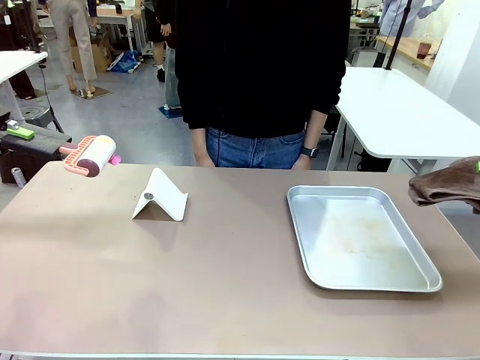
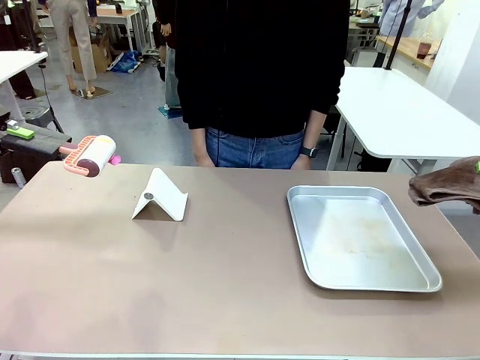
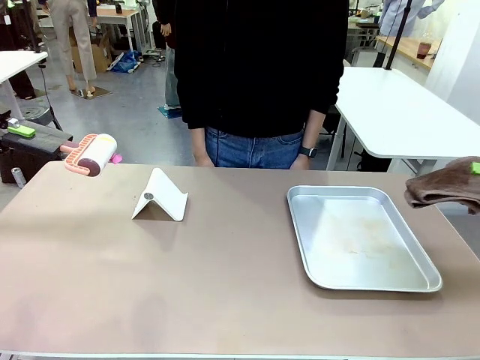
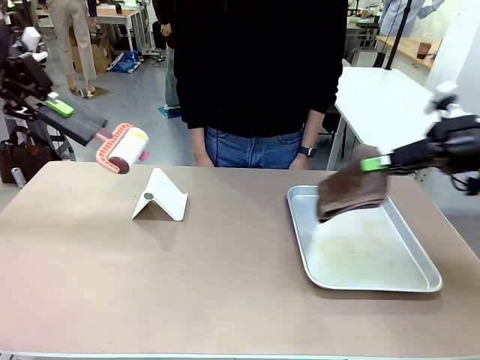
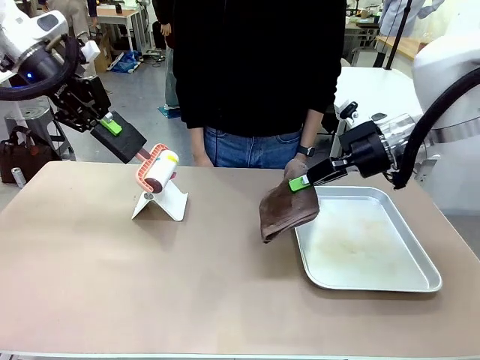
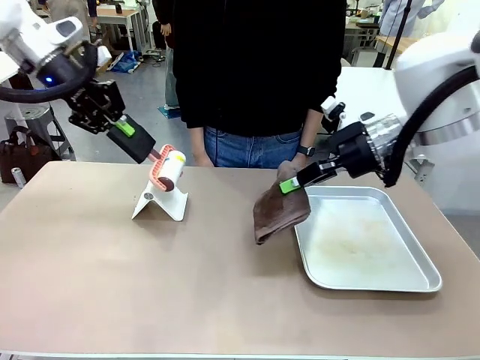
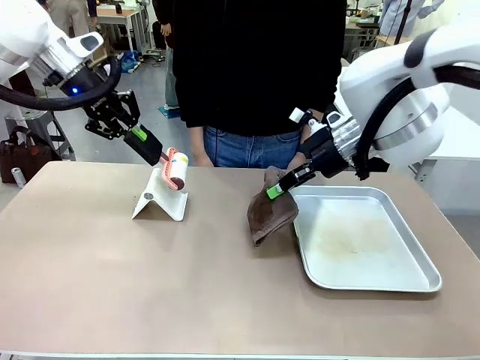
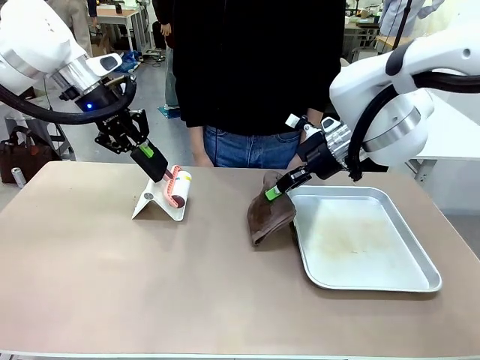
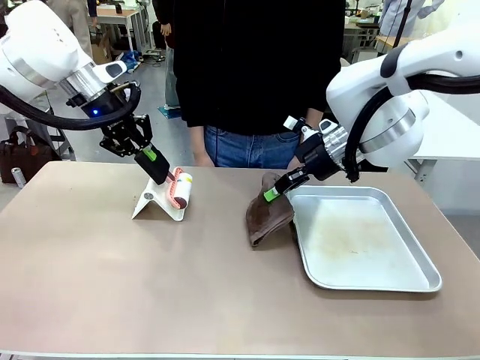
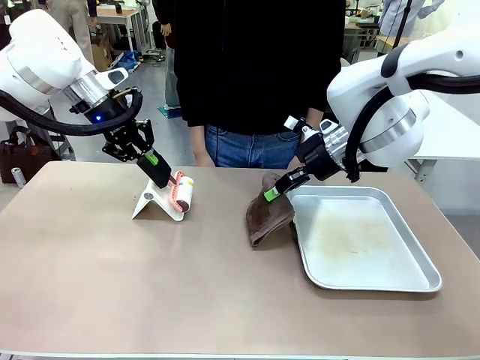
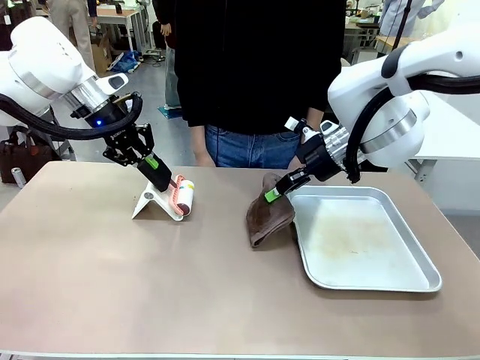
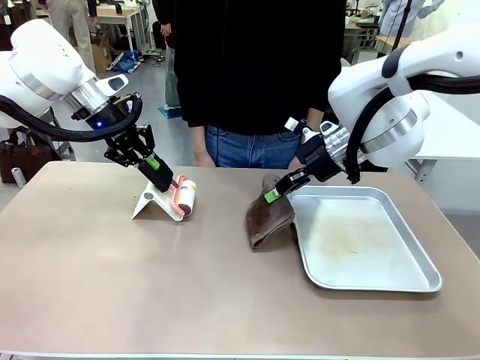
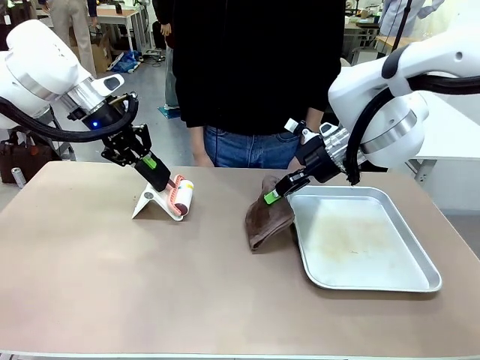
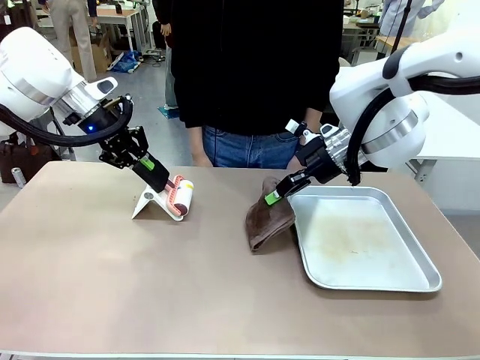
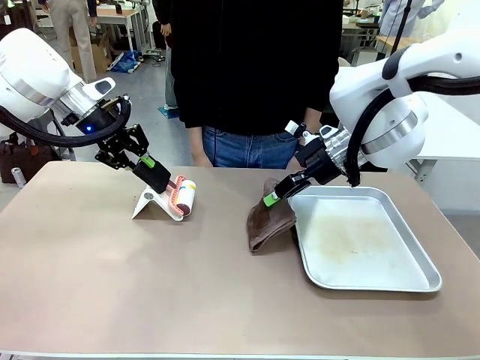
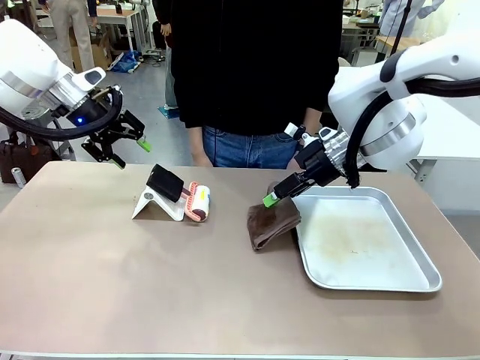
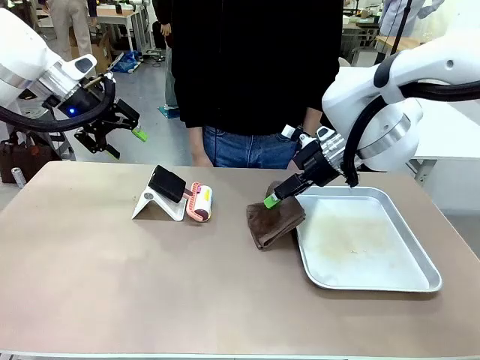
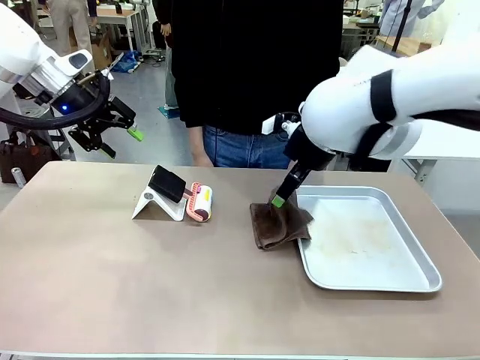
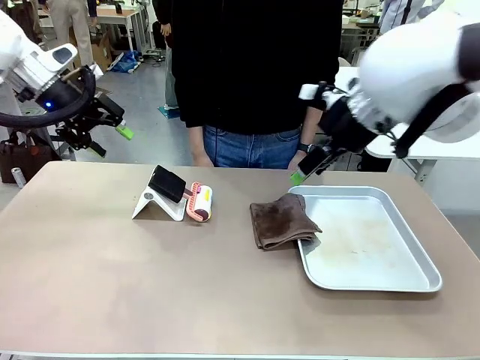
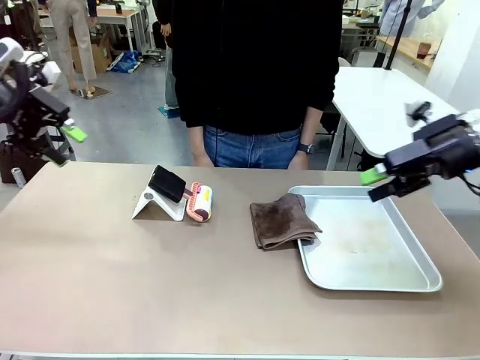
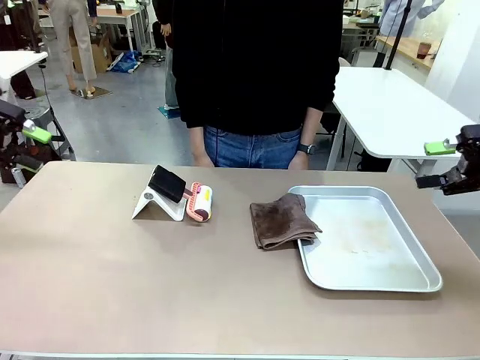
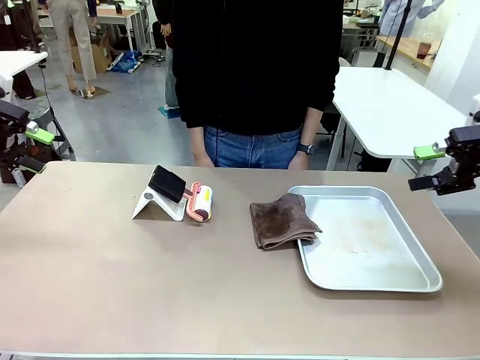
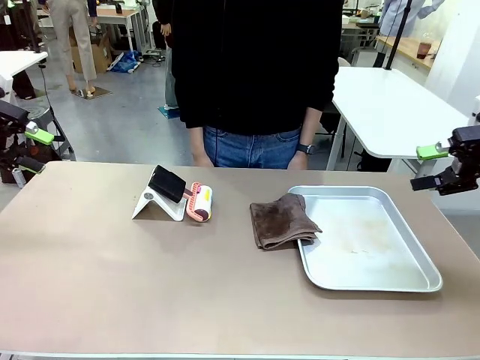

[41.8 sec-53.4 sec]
Task: Clean the surface of the table.
Robot: Return the Lint Roller and towel to their original positions.

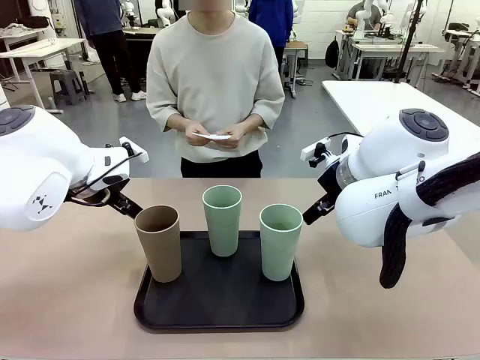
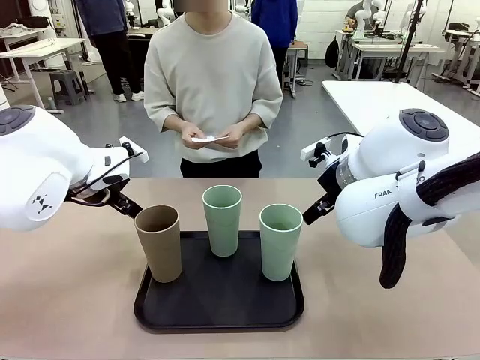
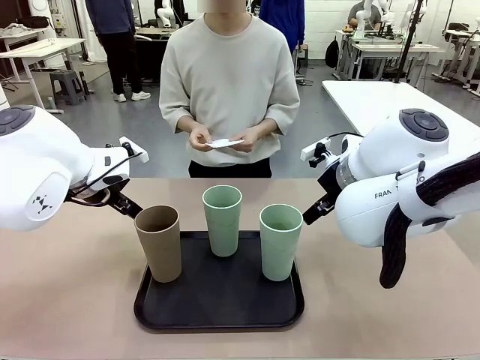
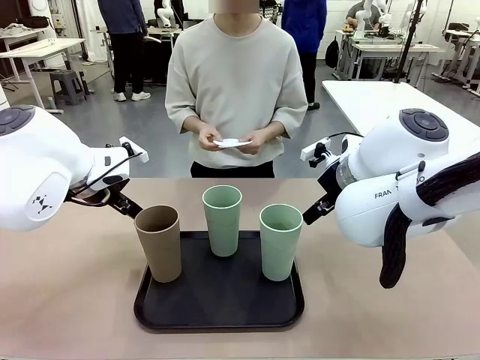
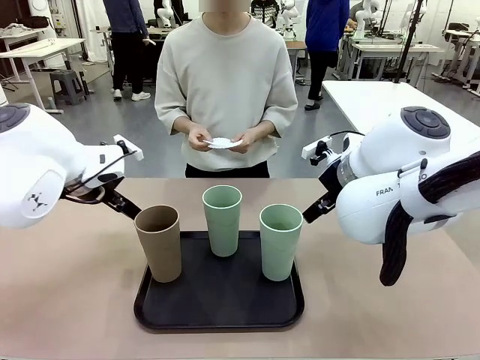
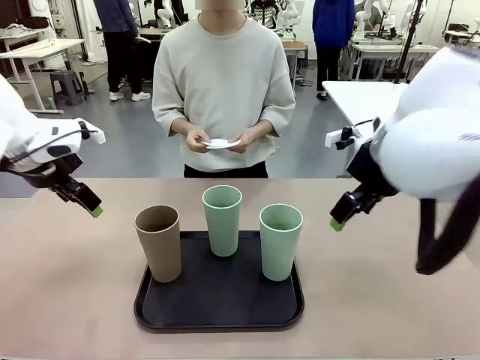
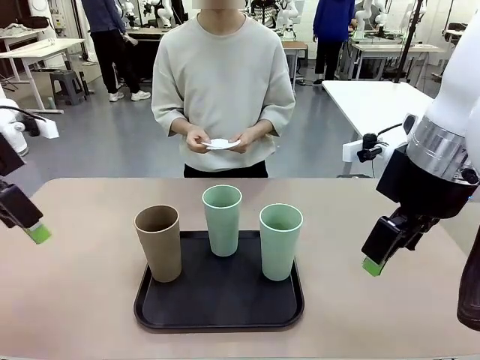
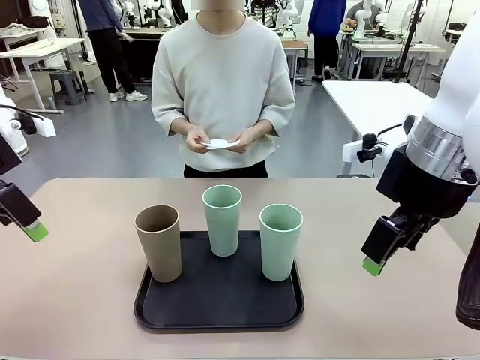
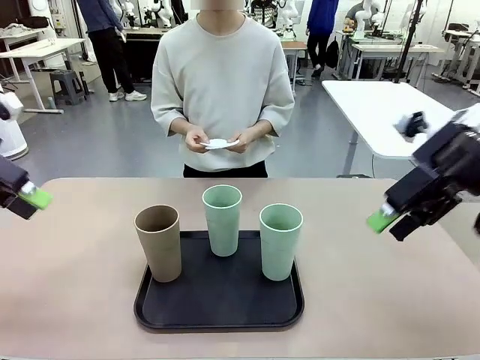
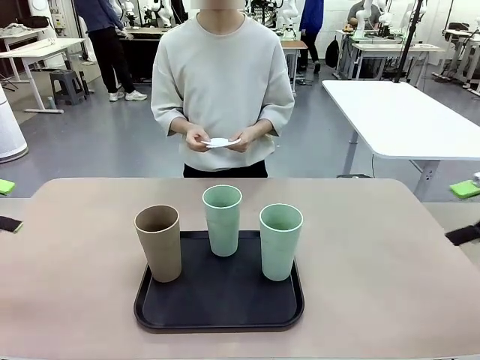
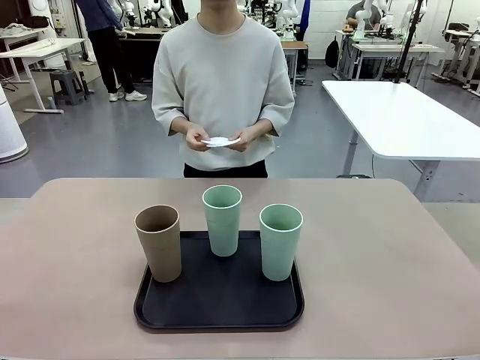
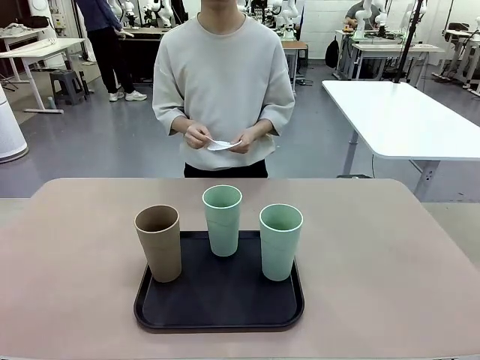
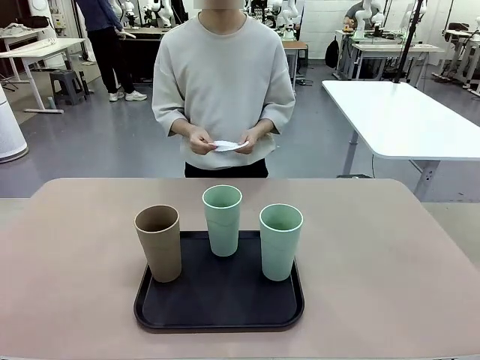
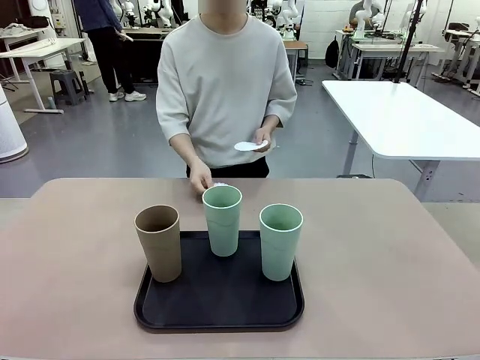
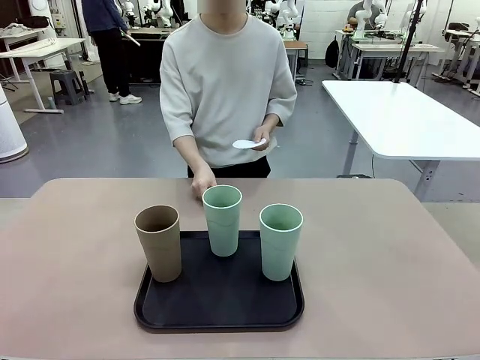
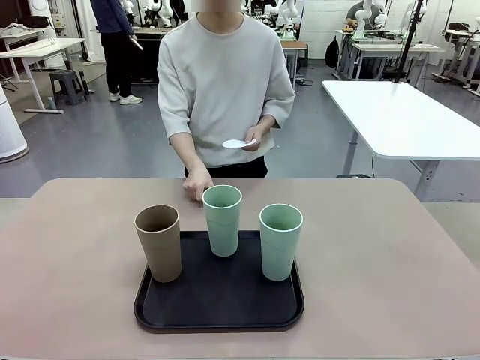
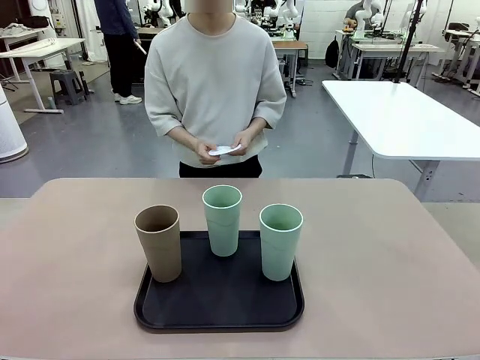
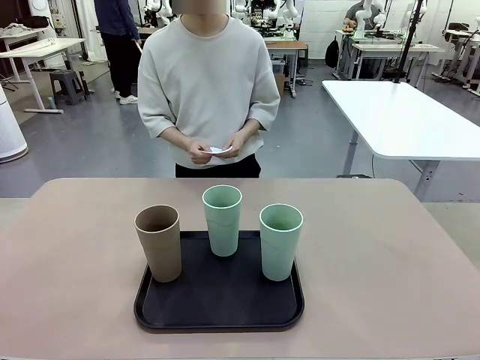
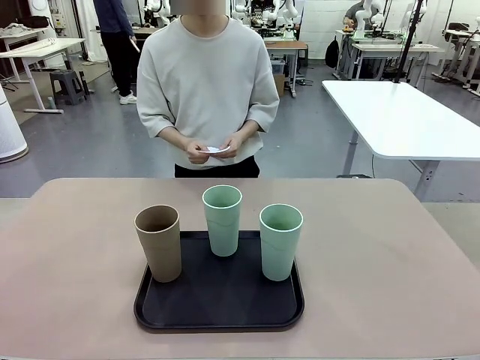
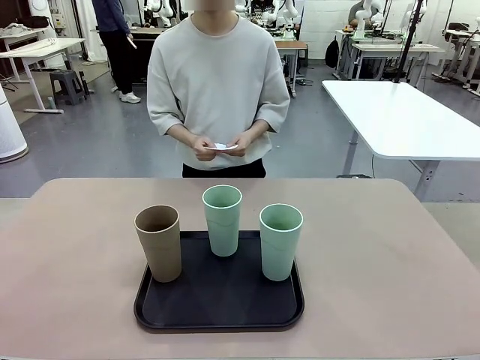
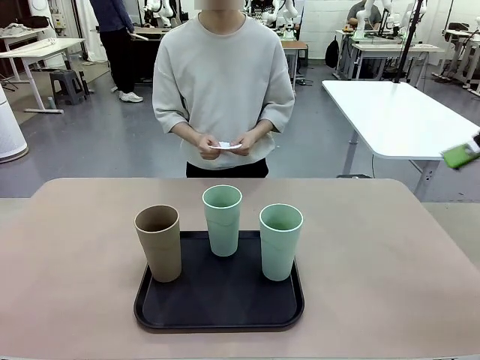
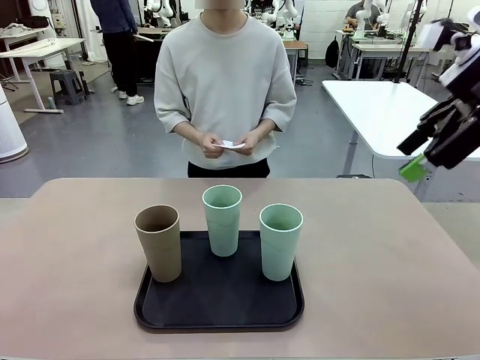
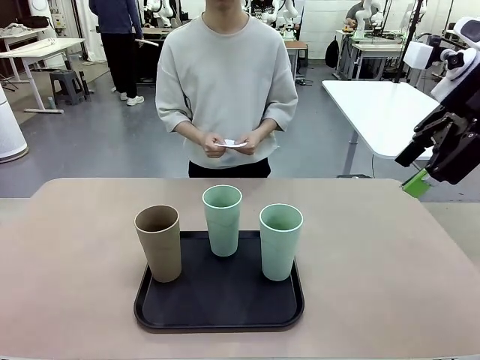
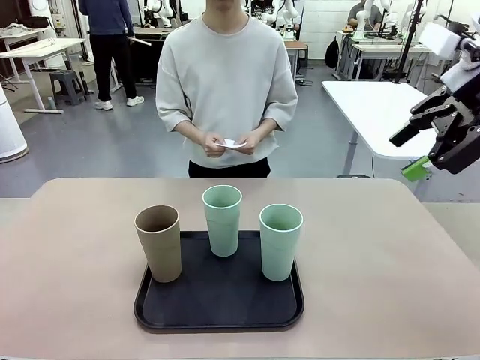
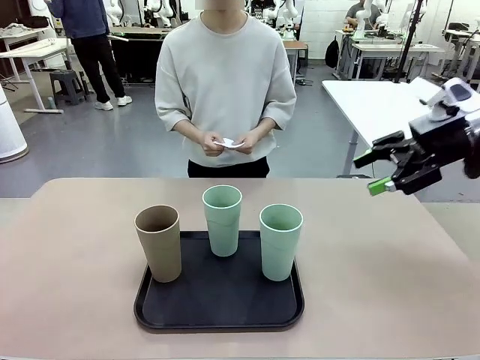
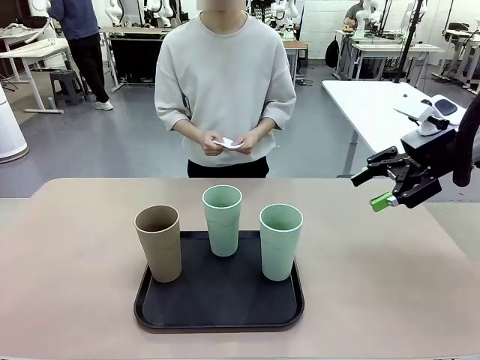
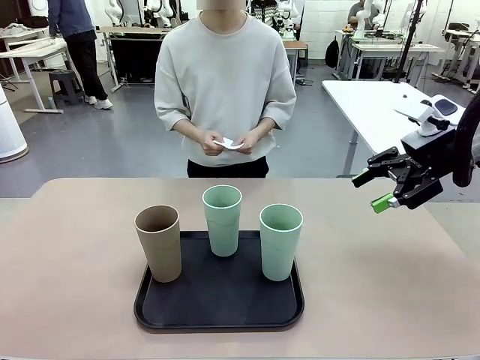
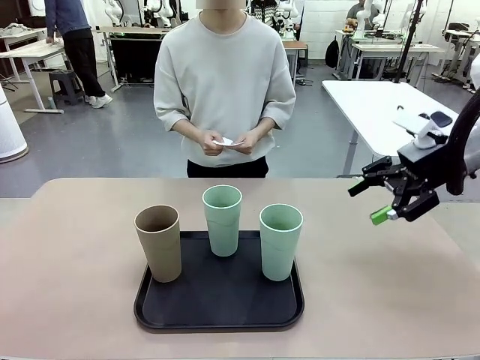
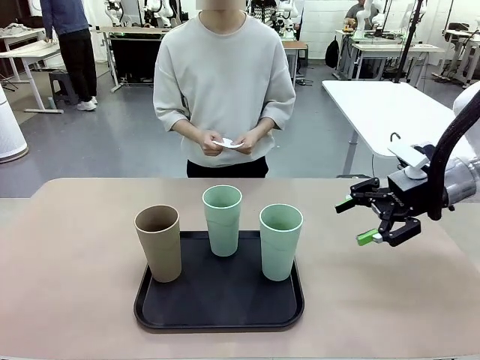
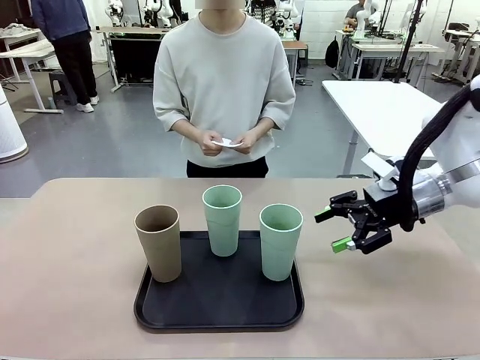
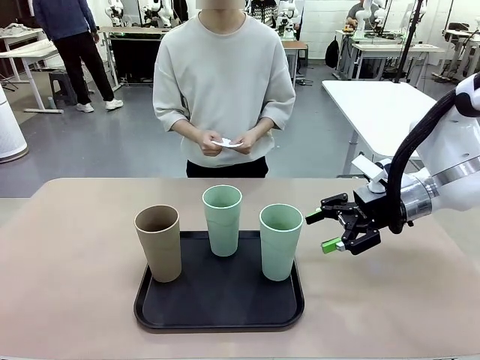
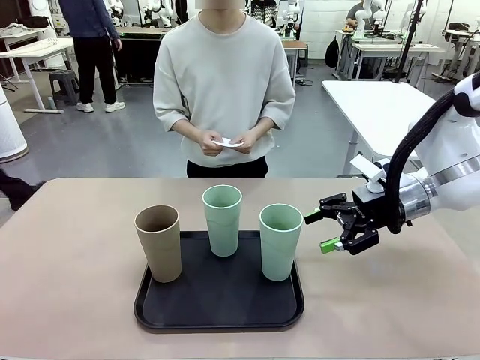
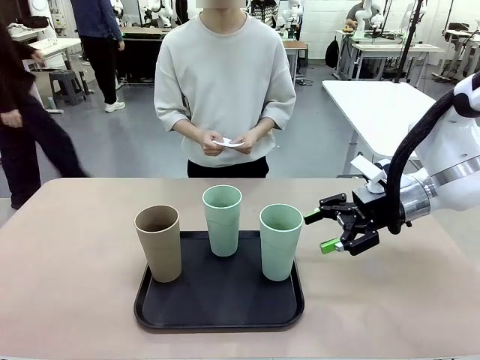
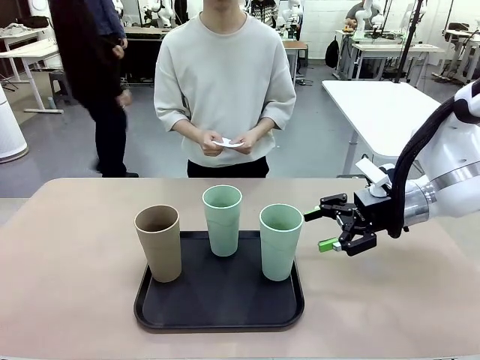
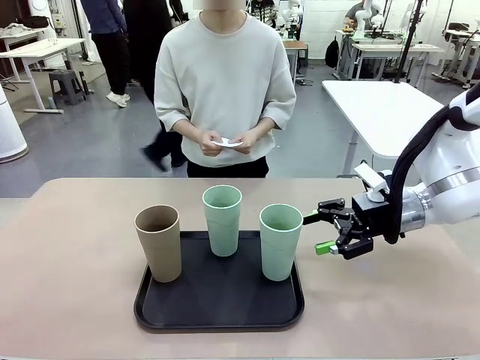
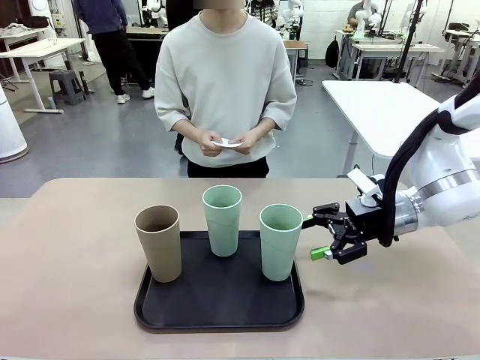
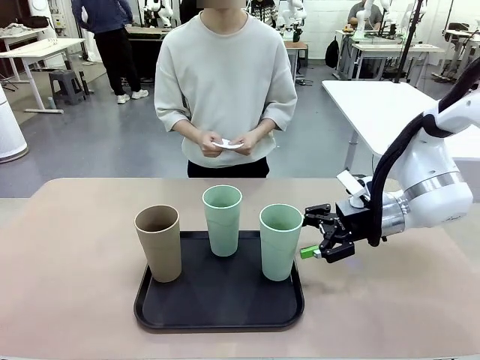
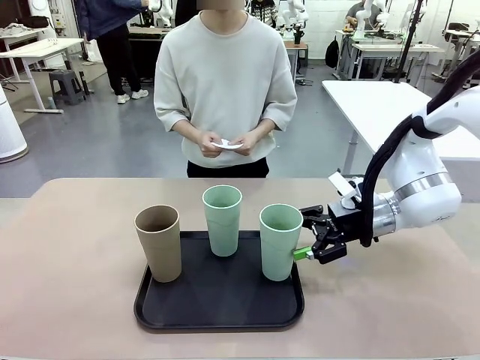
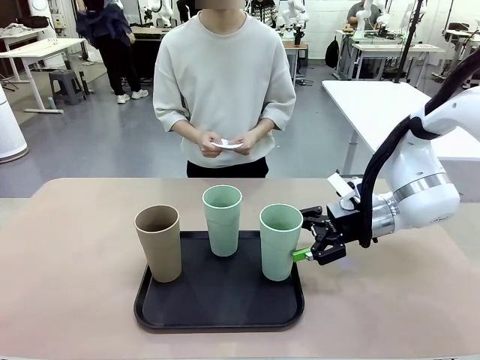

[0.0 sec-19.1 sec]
Task: Place coasters on the table and set cups on them.
Robot: Pick up one Reusable plastic cup and place it on a coaster set by the human.
Person: Place one coaster in any one of the three lower areas of the robot table (left, center, or right).
